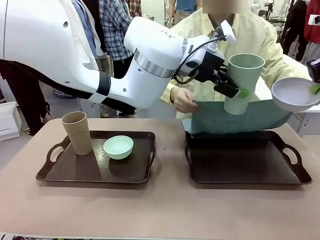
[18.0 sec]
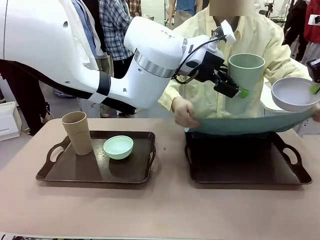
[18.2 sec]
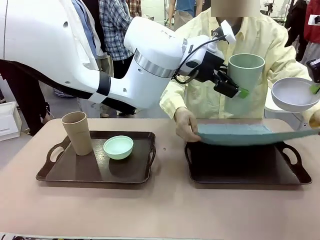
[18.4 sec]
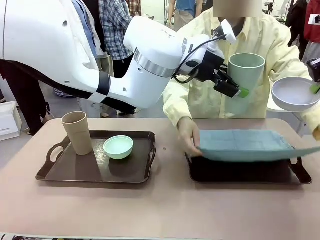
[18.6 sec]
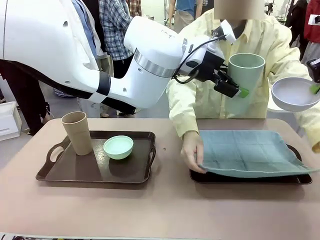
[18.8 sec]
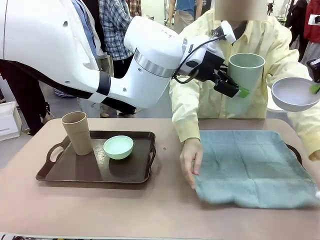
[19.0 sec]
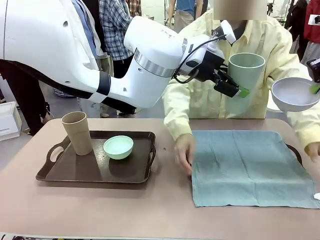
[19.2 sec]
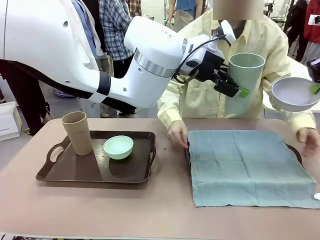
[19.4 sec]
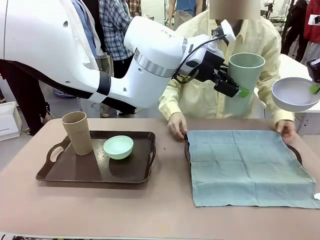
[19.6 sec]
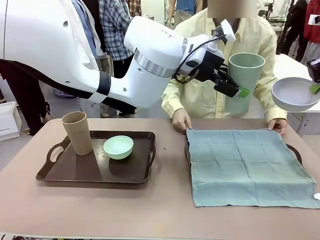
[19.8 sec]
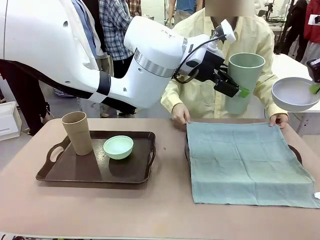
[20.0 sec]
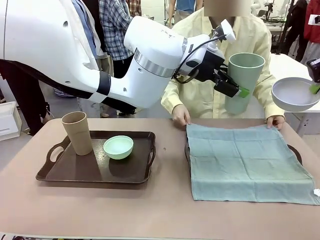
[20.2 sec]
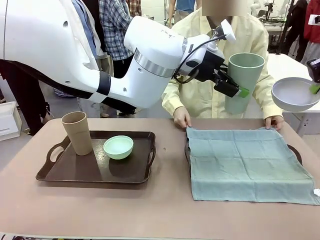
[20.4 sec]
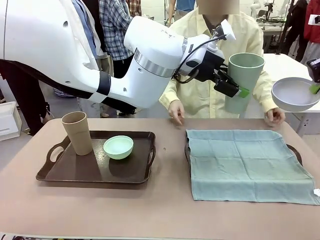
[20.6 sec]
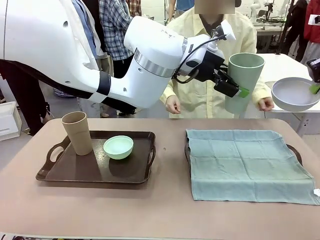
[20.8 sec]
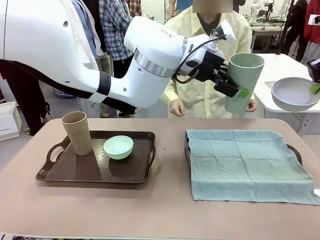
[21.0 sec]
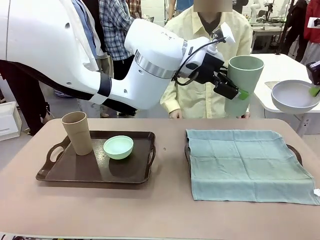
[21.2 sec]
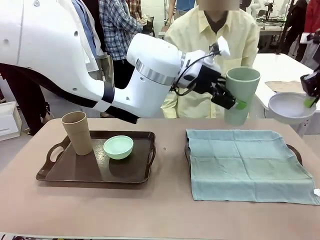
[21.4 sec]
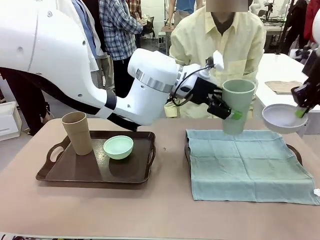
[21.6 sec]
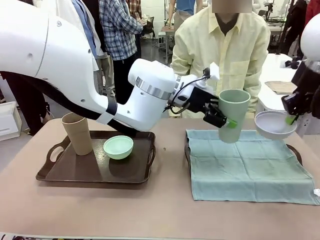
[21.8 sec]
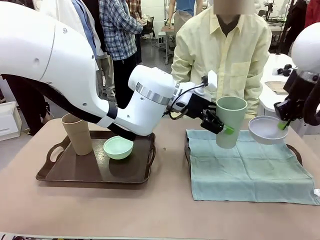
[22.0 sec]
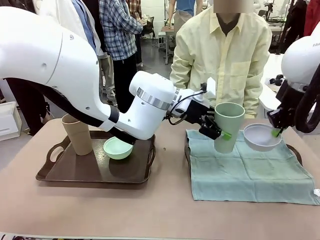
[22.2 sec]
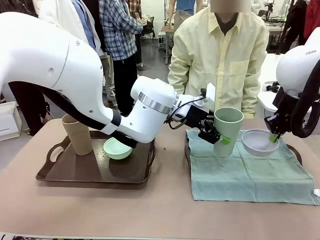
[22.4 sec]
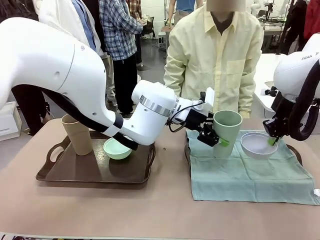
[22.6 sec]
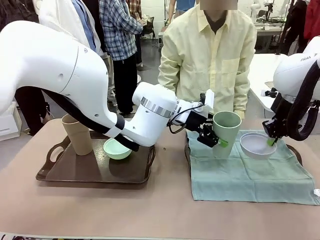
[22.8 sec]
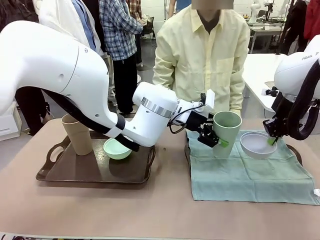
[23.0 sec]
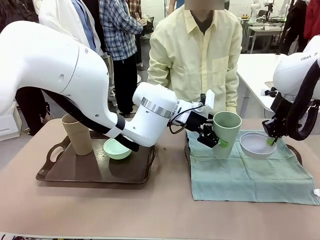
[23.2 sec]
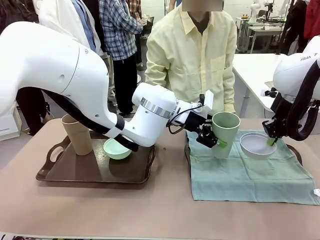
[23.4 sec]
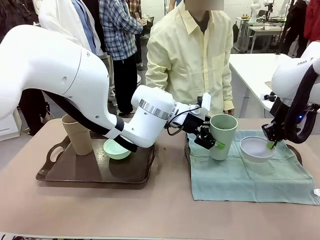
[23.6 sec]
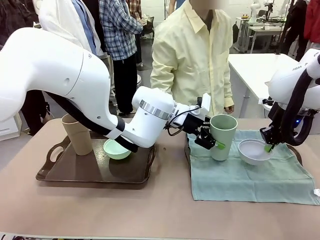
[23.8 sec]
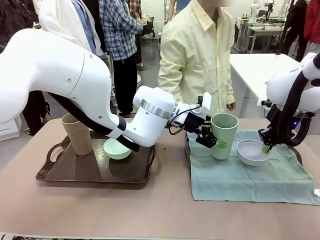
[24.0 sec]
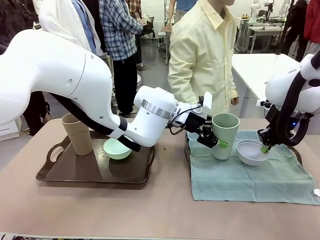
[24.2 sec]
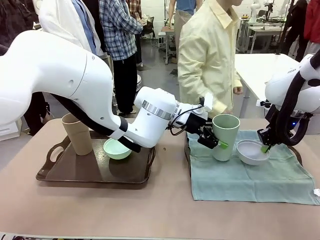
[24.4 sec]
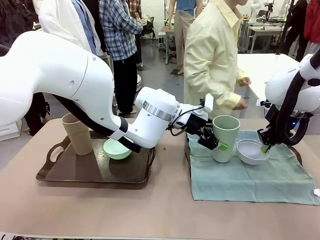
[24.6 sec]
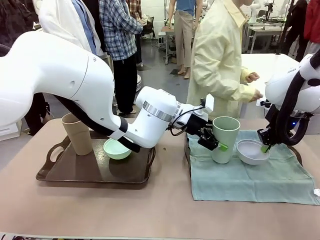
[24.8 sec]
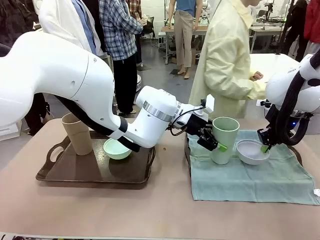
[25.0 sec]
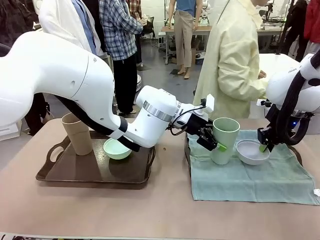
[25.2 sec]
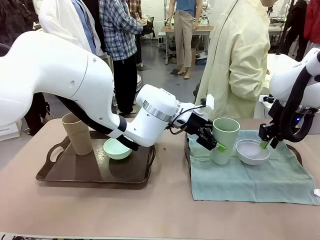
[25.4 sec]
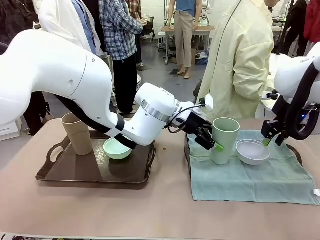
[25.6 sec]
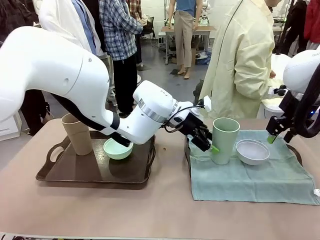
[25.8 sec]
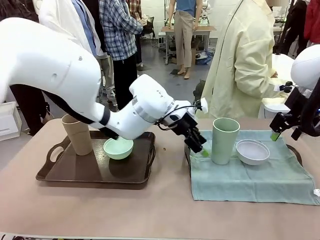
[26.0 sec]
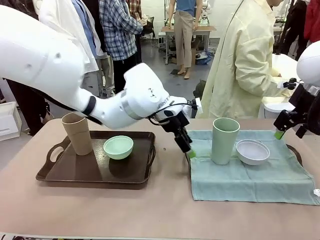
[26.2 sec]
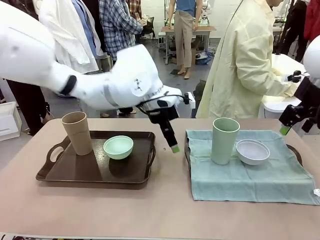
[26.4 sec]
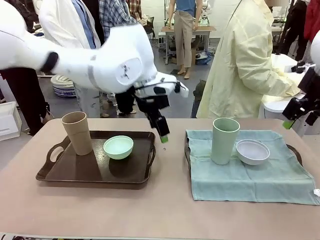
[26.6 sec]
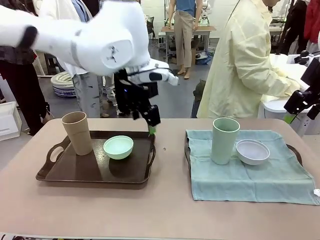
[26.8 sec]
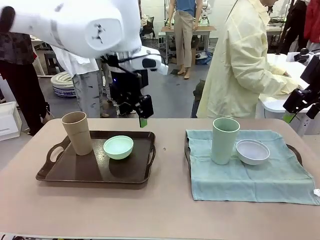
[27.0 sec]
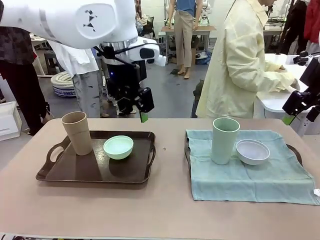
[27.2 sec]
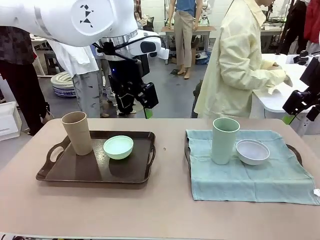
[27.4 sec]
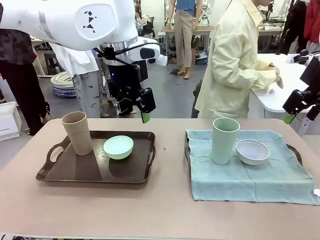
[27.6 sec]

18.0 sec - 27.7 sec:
Robot: Place the Picnic Bowl and Reusable plastic cup back onto the Handle tray in front of the human's position.
Person: The human returns to the human table to pick up another napkin and walks to the robot table to stand in front of the tray without a napkin.
